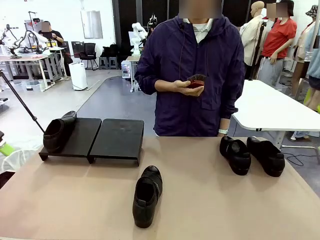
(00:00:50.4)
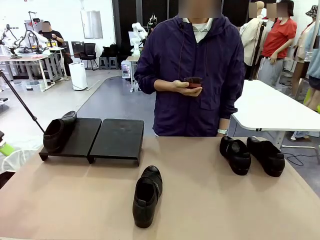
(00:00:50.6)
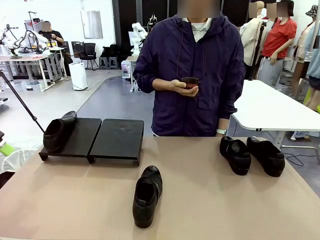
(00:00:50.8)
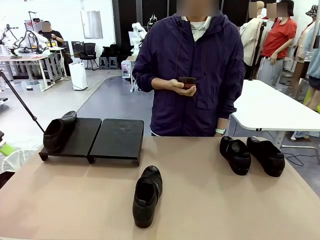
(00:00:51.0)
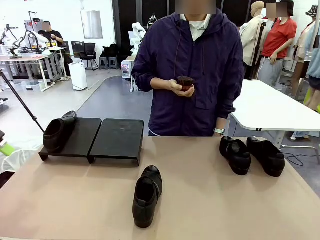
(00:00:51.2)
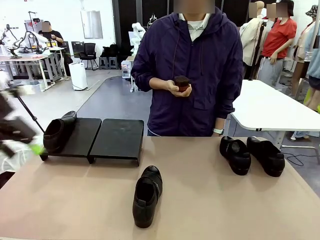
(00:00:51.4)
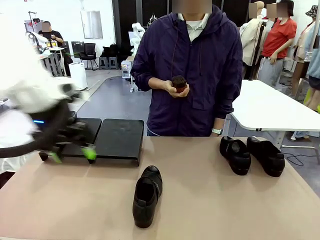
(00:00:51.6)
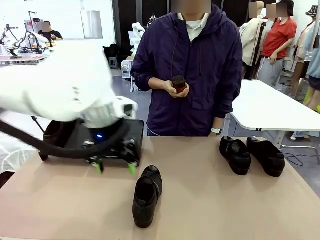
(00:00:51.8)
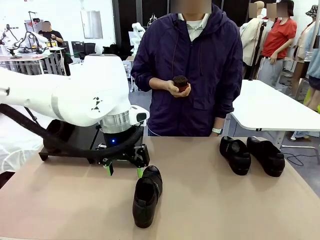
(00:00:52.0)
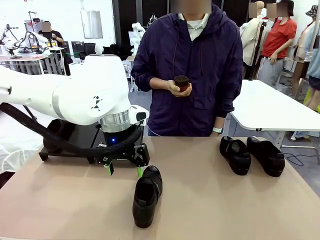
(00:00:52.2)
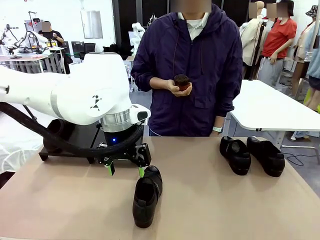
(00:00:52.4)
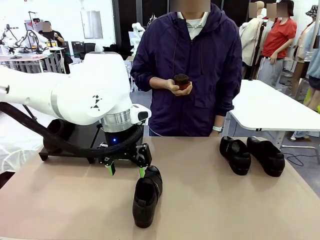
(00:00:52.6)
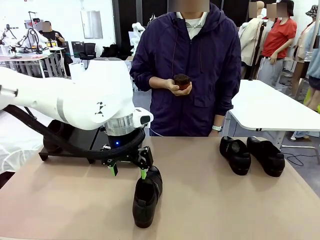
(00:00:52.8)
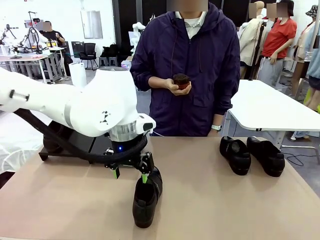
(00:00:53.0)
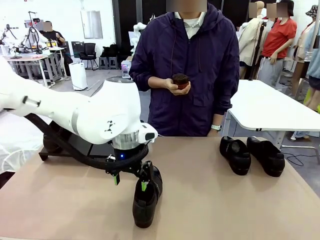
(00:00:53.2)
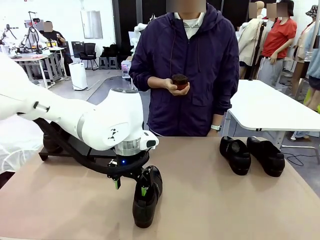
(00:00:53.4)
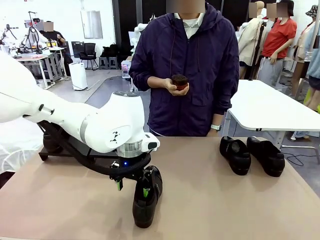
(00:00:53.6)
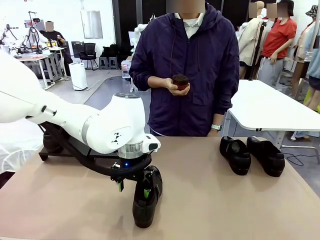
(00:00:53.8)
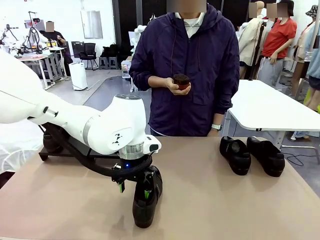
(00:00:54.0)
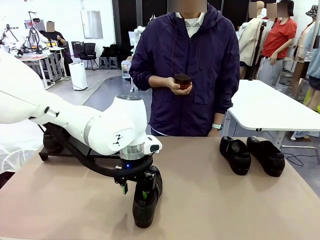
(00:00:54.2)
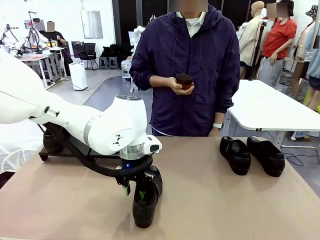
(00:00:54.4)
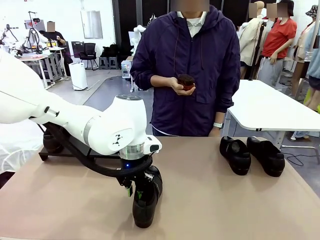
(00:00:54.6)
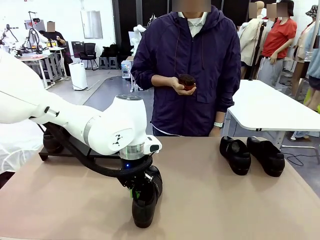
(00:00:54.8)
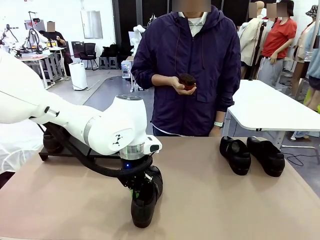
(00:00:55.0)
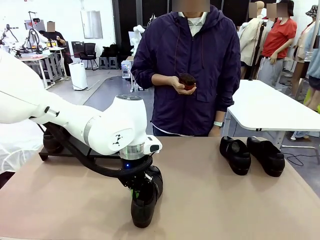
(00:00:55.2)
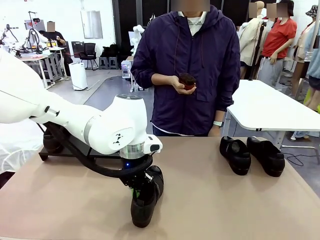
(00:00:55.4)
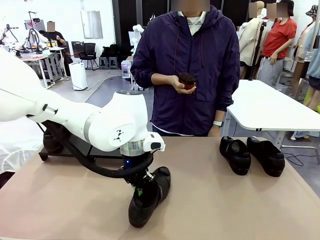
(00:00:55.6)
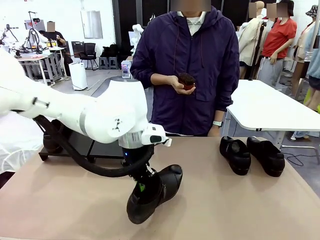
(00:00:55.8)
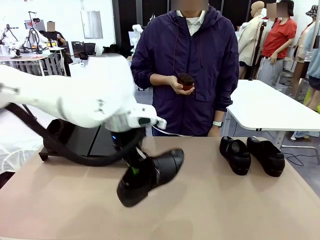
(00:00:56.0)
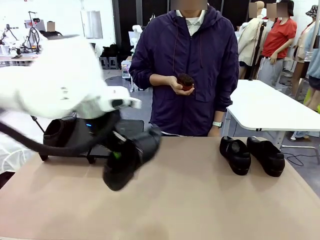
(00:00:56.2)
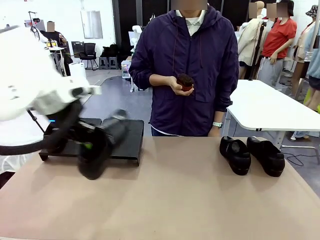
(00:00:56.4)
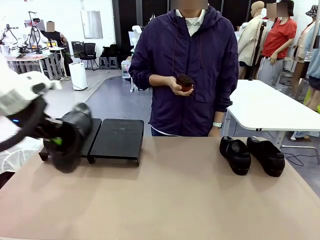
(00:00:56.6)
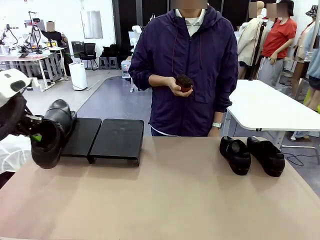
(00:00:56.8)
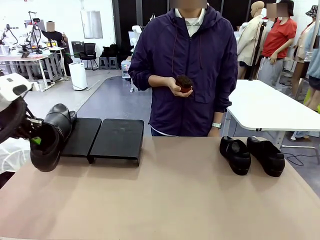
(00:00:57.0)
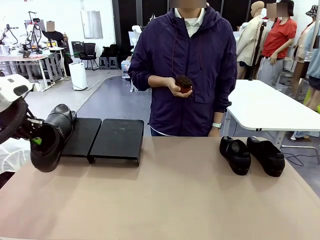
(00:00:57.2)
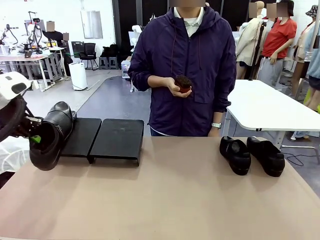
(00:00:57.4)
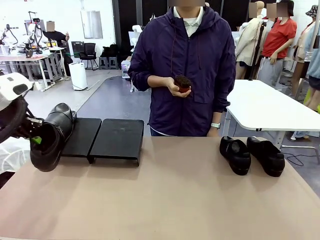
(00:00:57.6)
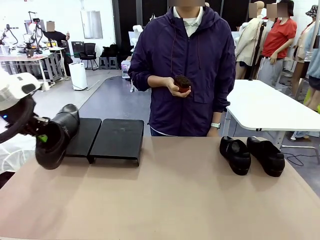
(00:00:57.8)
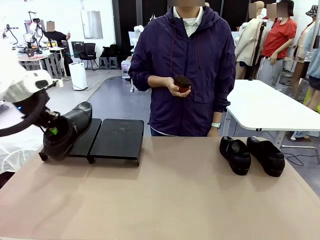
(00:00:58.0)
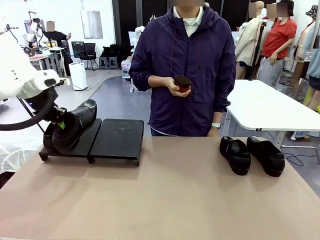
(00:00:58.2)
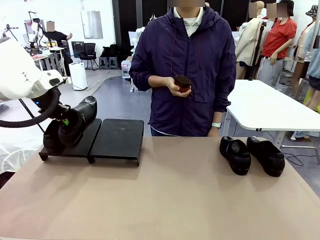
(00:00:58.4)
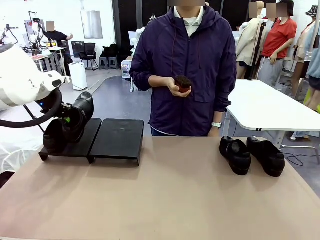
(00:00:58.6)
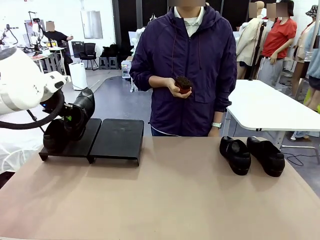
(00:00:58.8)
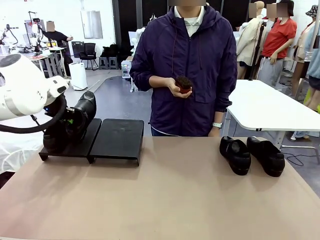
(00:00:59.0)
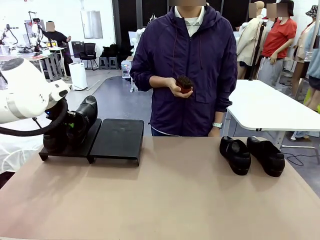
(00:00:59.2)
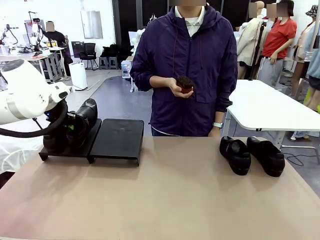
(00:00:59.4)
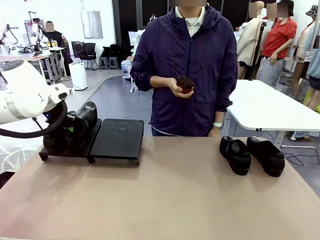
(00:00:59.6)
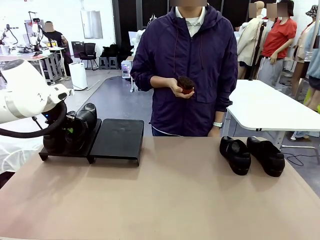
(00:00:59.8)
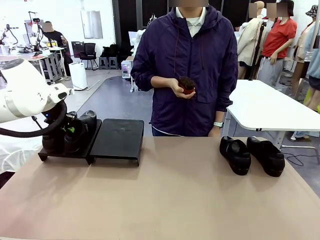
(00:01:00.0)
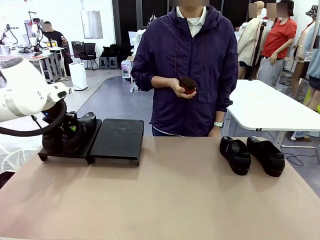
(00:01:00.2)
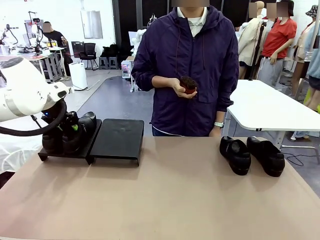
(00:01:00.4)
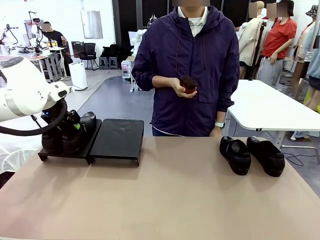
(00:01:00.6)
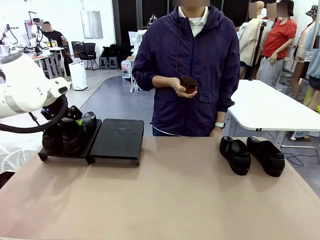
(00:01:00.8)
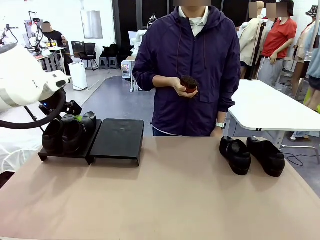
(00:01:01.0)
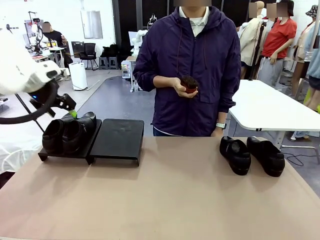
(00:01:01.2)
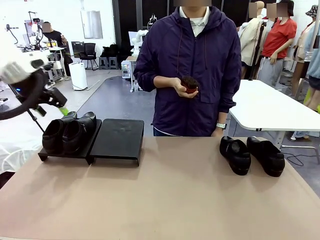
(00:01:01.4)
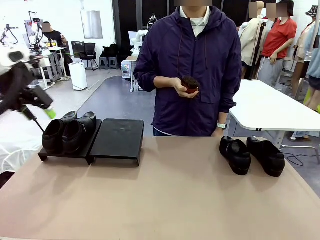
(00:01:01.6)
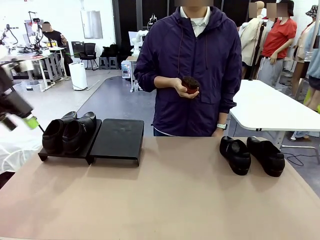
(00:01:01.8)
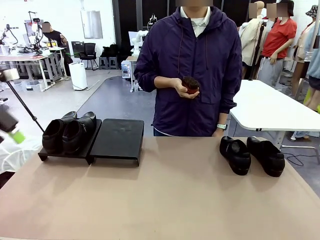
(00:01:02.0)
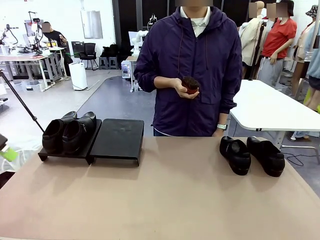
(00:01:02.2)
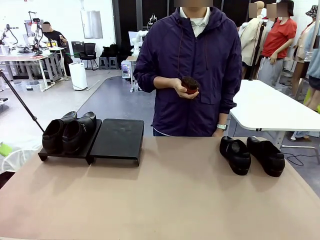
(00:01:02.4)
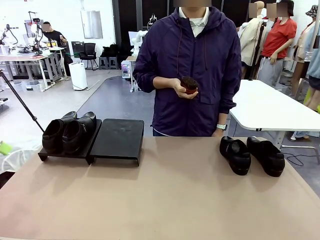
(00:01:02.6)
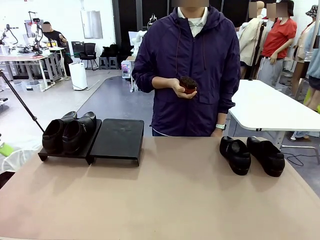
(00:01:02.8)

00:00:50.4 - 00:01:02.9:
Task: Organize the shoes by placing them on the stand.
Robot: Place the Shoe from the middle of the table onto the Shoes Stand.

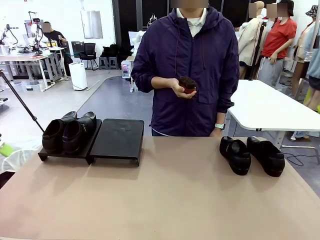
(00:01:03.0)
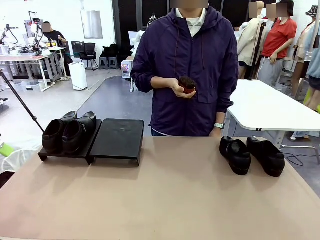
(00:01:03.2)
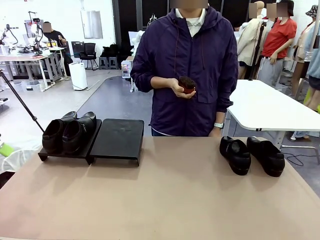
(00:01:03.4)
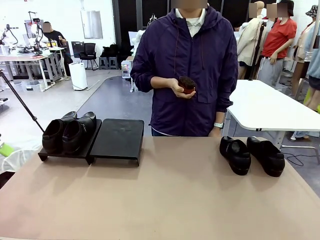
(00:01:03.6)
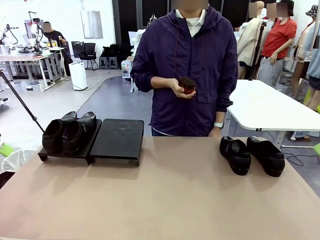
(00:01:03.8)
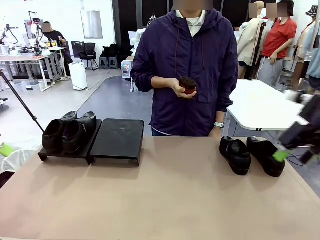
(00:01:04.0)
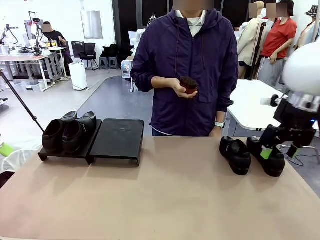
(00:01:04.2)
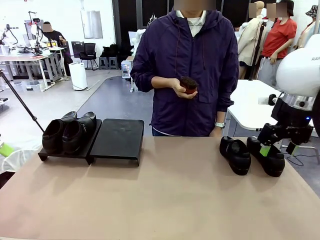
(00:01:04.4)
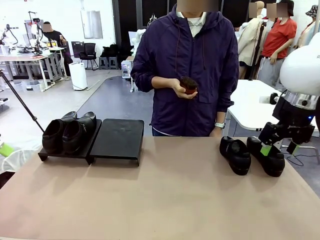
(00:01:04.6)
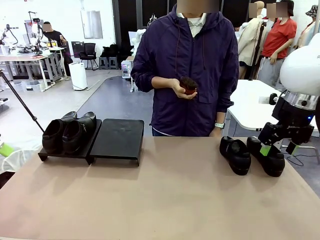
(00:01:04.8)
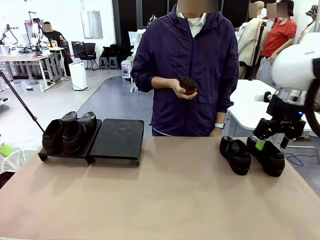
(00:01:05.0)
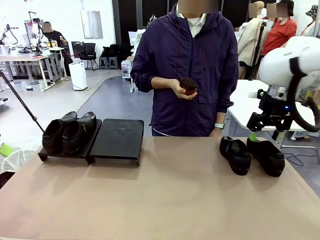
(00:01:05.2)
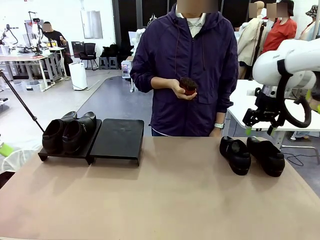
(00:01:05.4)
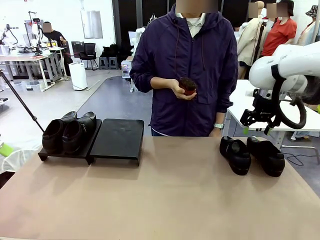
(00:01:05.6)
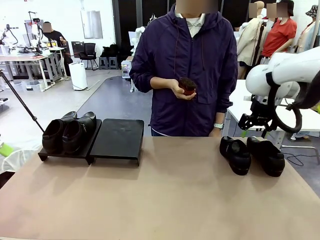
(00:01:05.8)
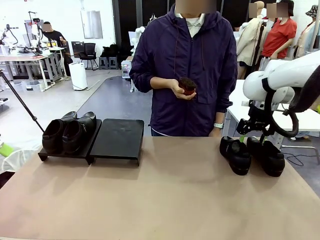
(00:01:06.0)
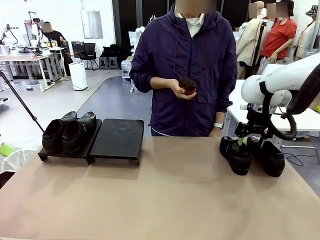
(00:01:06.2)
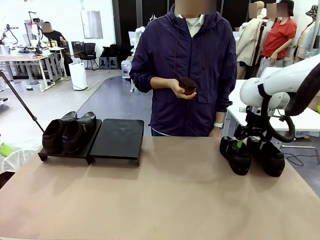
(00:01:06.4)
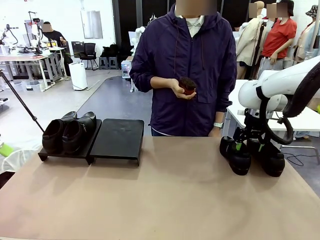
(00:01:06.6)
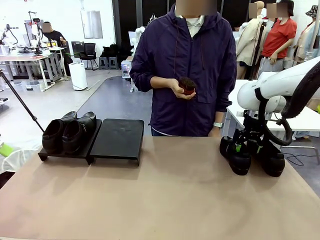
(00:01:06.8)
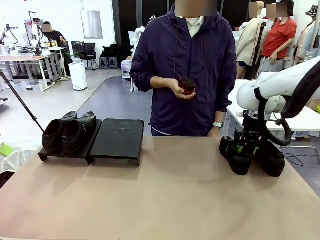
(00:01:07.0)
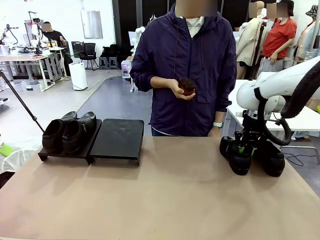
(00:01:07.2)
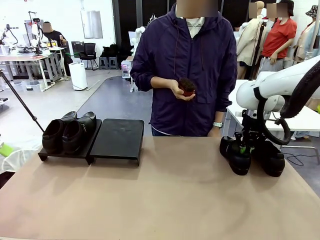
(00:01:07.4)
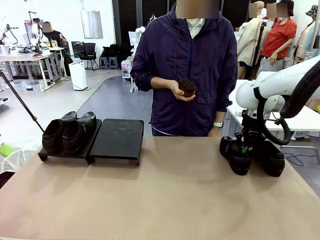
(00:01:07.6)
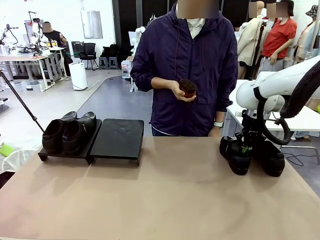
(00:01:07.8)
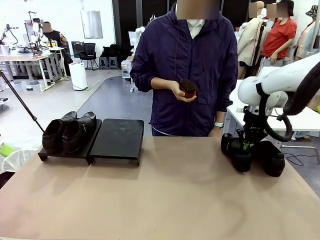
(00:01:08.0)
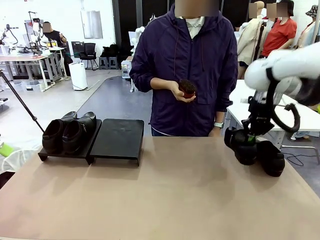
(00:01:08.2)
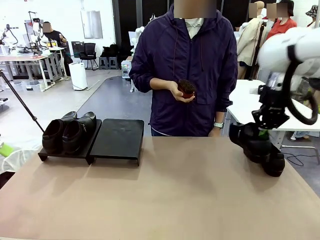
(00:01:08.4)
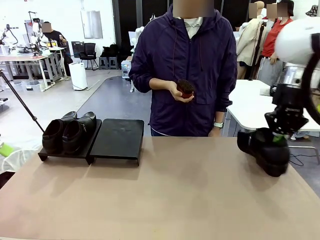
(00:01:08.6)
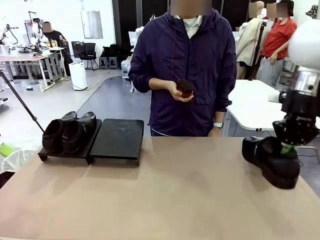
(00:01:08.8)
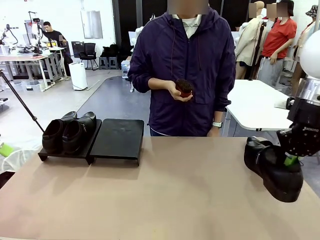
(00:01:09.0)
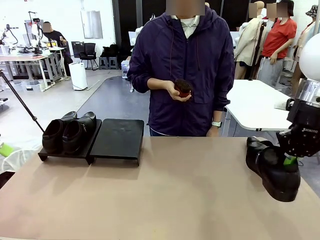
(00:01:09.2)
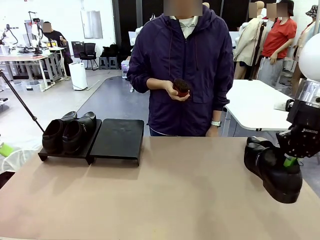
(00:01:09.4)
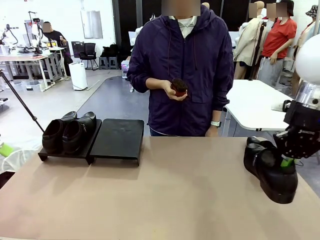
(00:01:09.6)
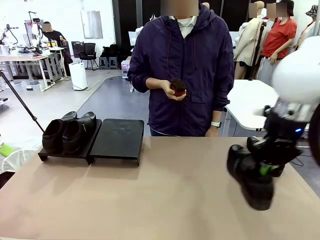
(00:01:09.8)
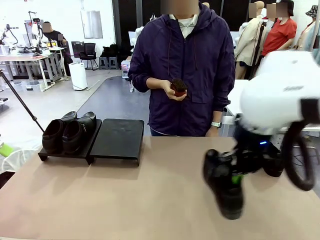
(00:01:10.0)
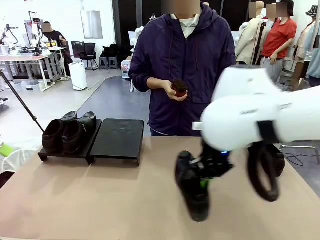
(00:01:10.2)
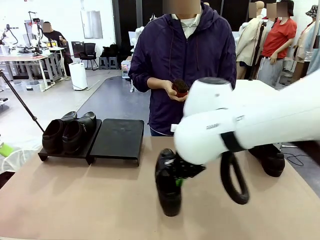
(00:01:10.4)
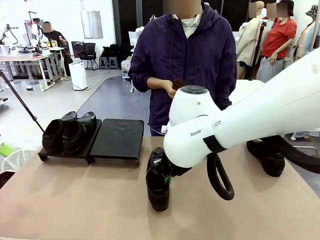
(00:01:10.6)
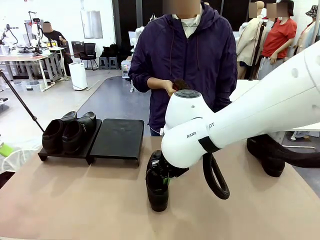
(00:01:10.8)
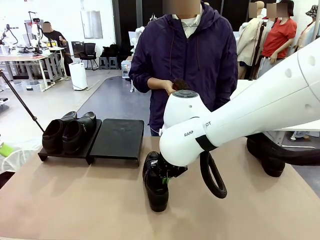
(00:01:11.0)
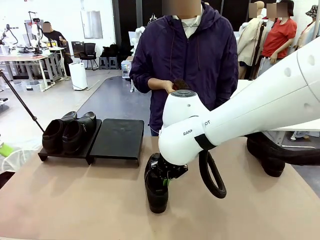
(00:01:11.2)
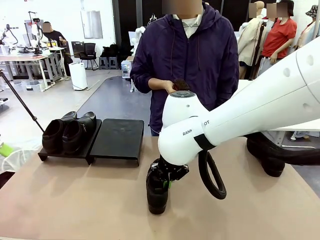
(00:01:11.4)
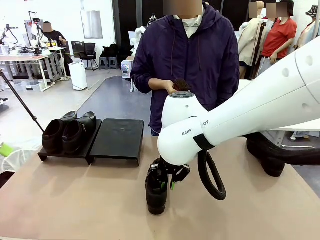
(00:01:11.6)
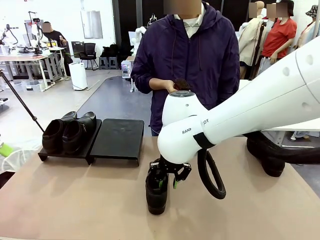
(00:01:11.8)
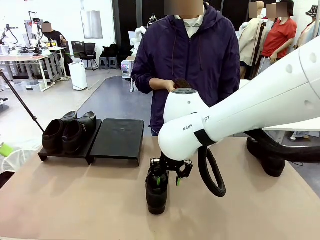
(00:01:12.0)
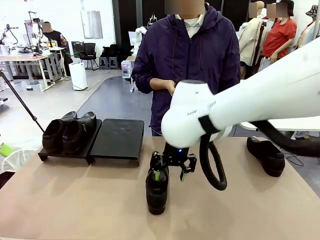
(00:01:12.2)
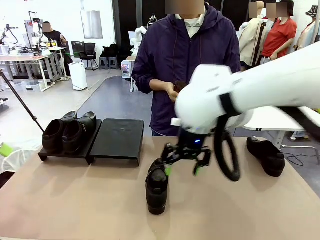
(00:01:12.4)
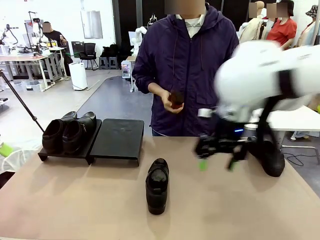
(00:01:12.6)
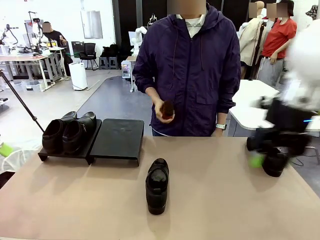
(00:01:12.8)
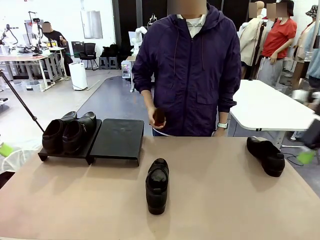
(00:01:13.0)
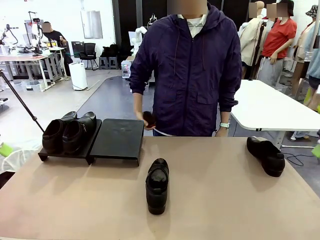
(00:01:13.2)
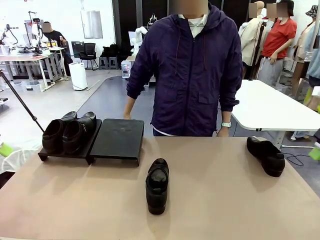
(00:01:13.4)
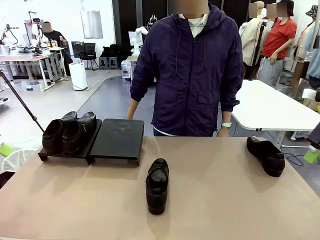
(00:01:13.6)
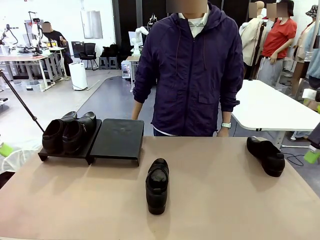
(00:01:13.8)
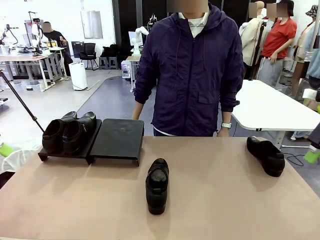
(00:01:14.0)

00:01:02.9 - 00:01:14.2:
Robot: Pick up one Shoe and place it in the middle of the table.
